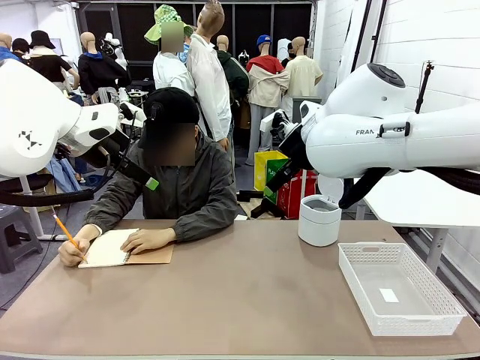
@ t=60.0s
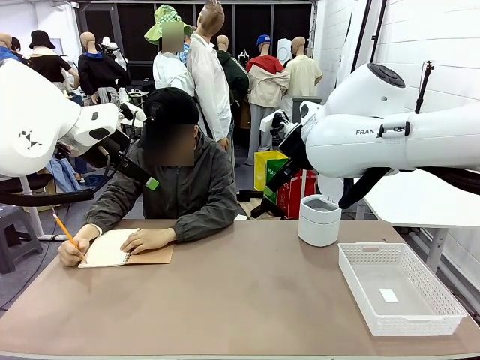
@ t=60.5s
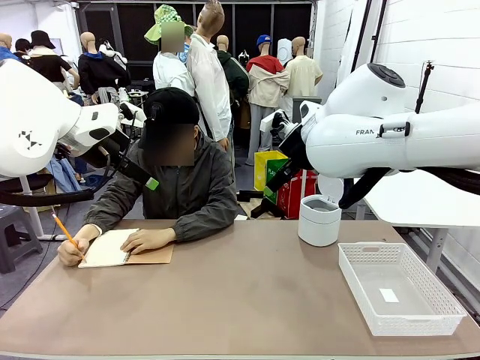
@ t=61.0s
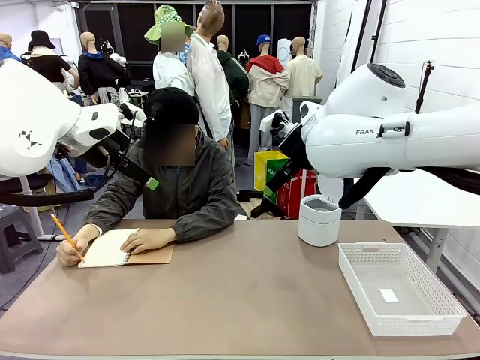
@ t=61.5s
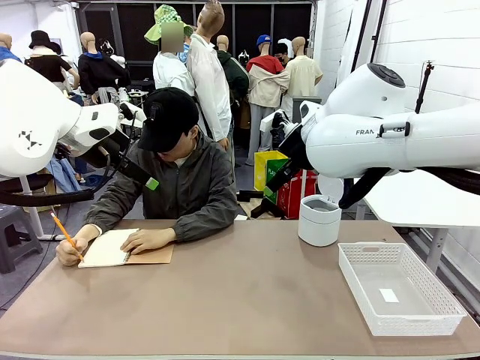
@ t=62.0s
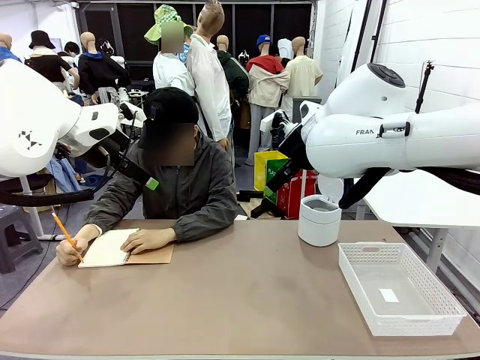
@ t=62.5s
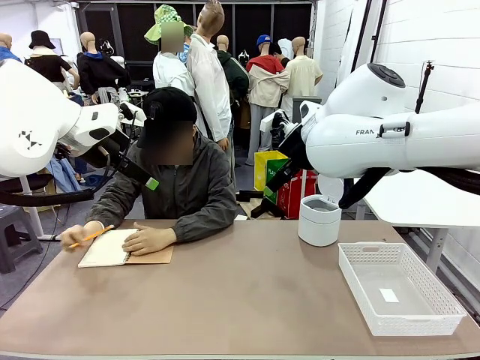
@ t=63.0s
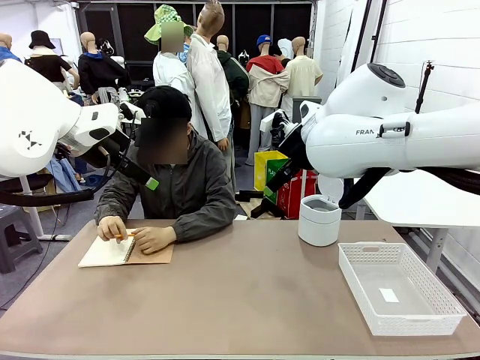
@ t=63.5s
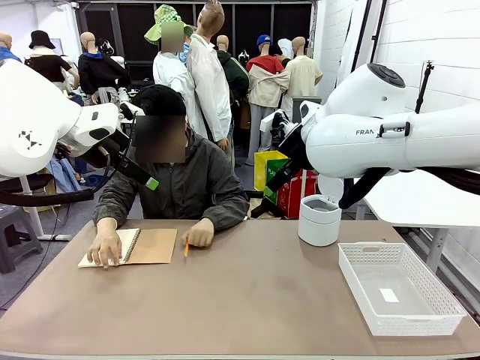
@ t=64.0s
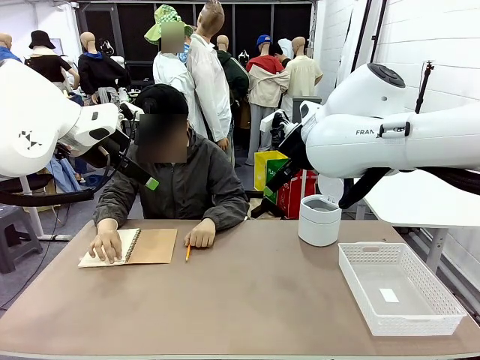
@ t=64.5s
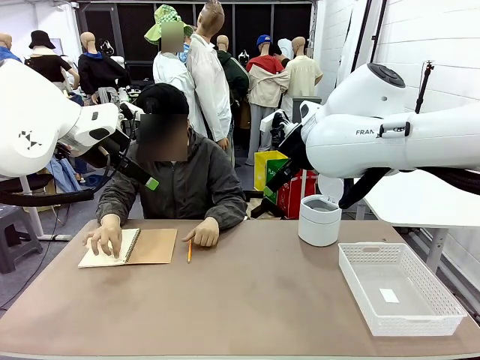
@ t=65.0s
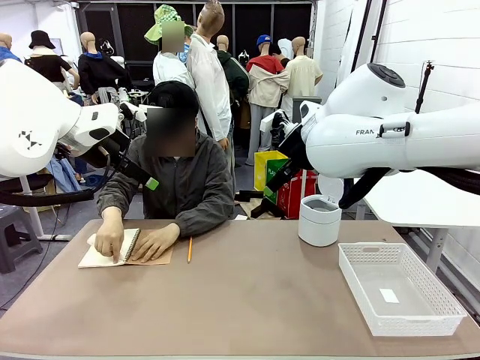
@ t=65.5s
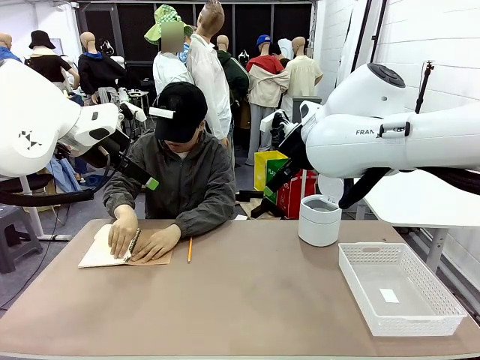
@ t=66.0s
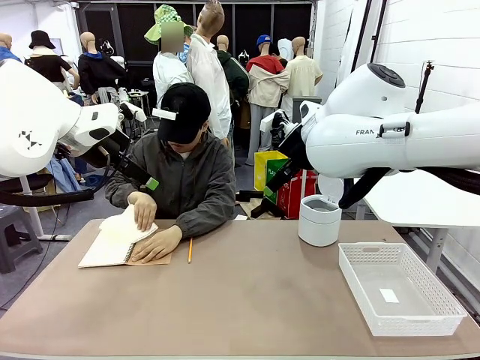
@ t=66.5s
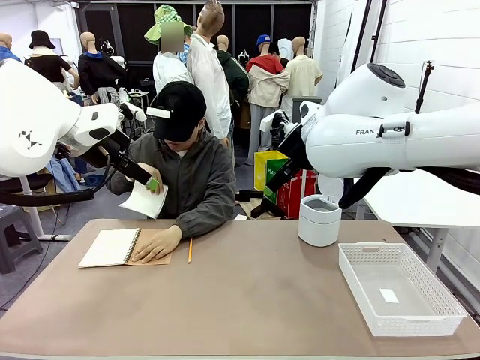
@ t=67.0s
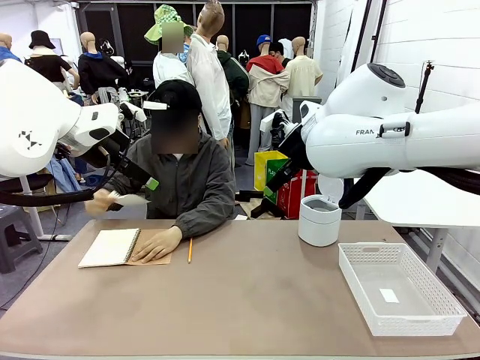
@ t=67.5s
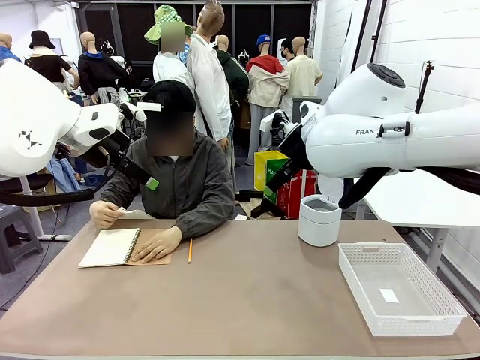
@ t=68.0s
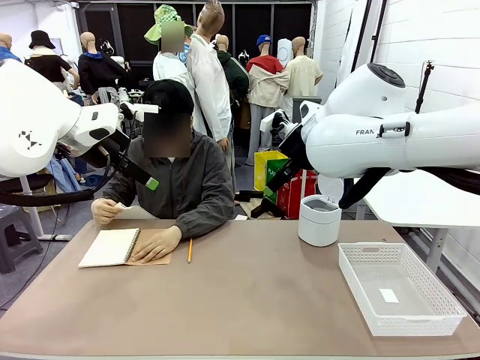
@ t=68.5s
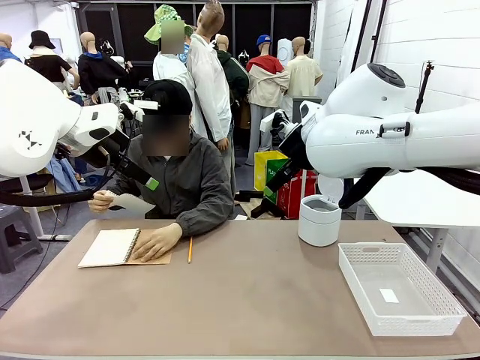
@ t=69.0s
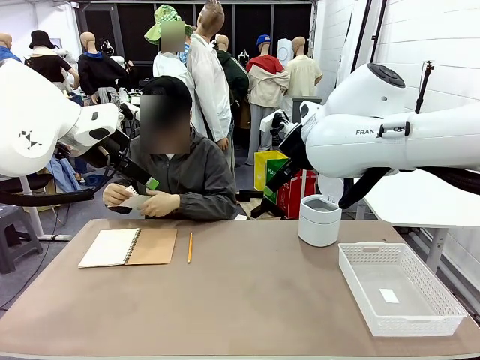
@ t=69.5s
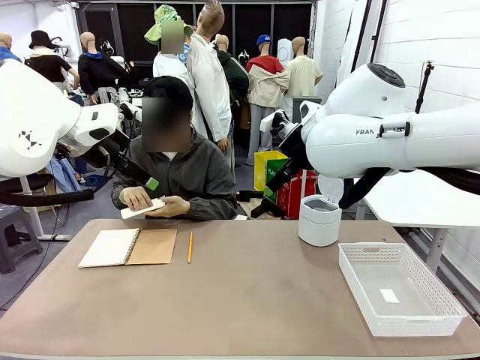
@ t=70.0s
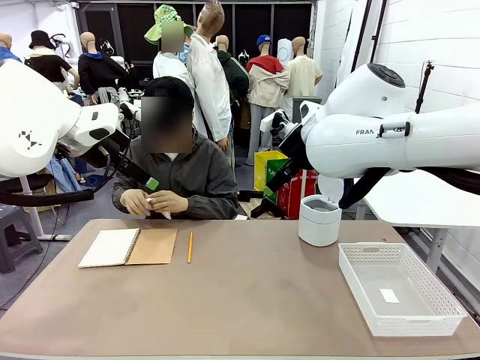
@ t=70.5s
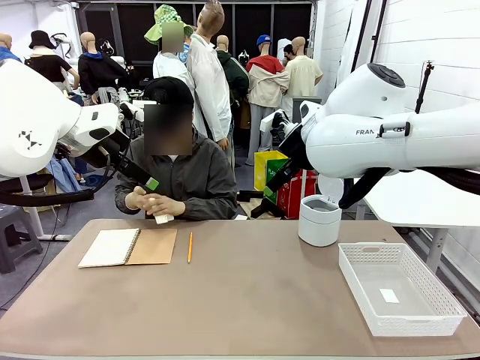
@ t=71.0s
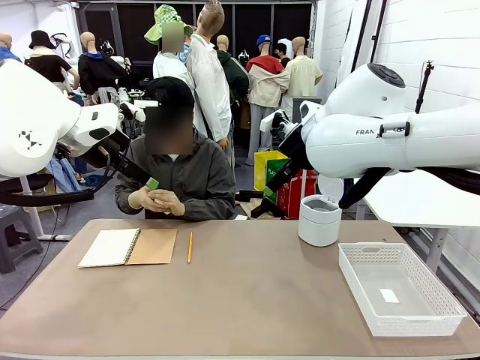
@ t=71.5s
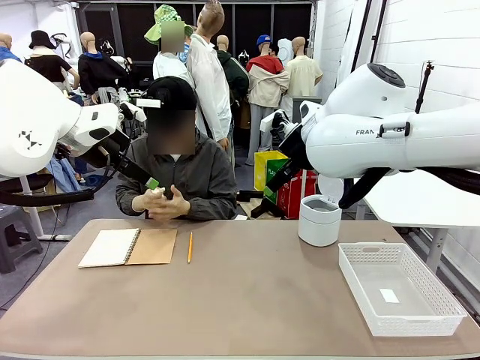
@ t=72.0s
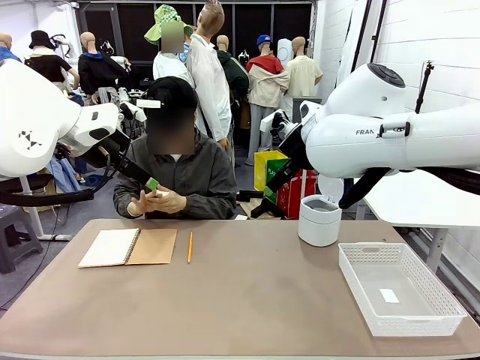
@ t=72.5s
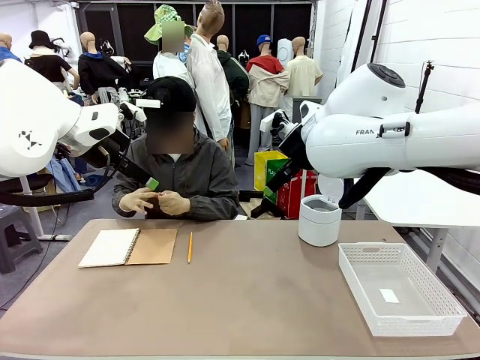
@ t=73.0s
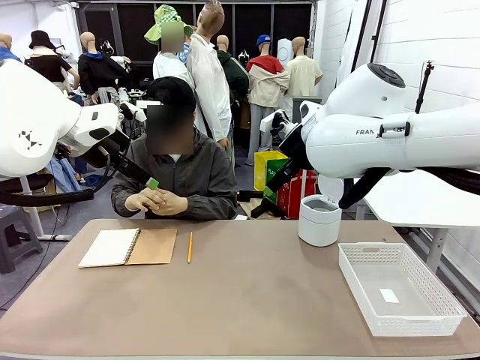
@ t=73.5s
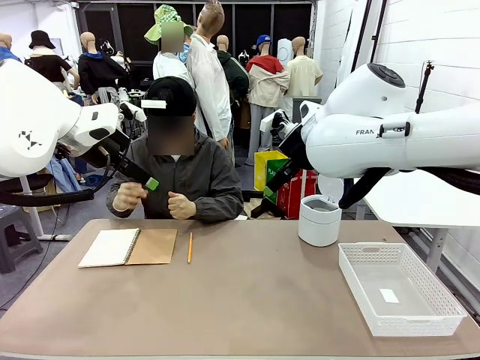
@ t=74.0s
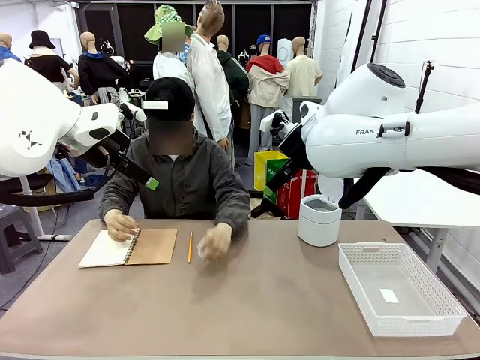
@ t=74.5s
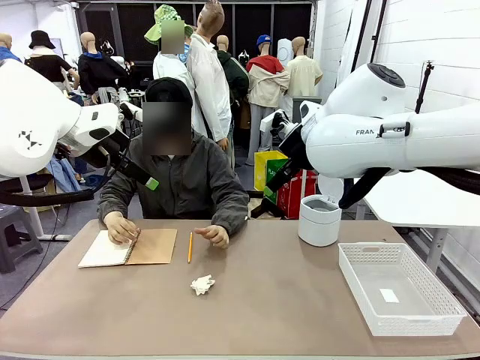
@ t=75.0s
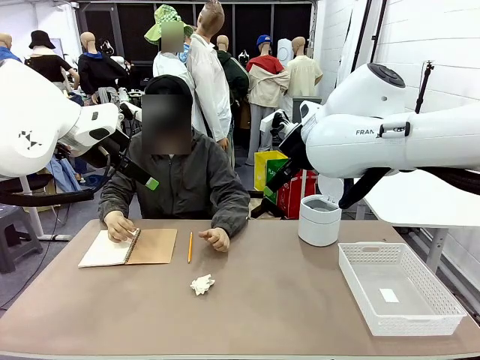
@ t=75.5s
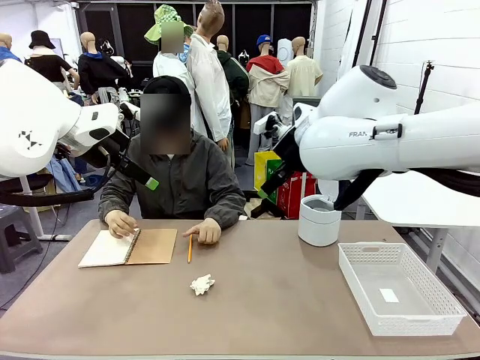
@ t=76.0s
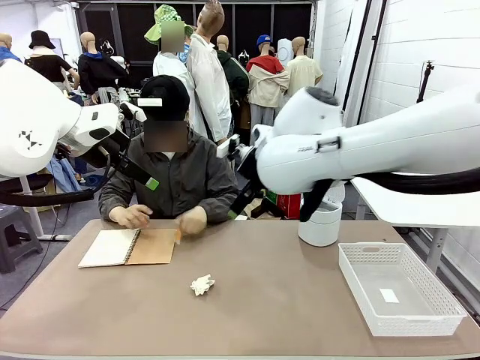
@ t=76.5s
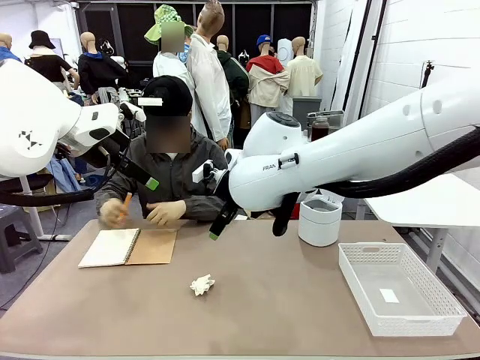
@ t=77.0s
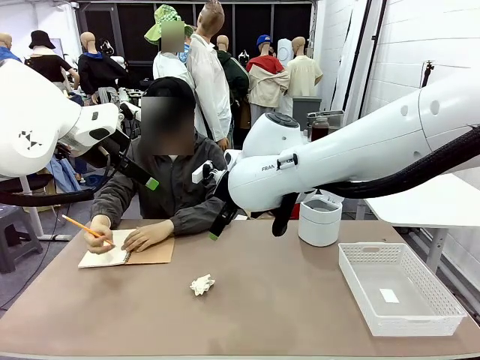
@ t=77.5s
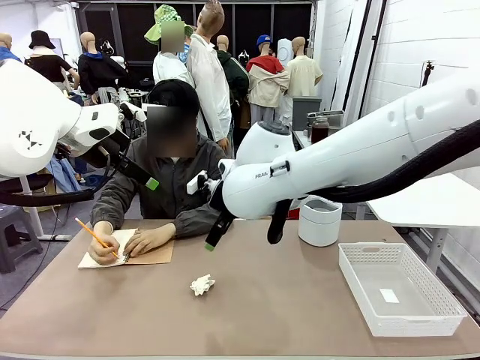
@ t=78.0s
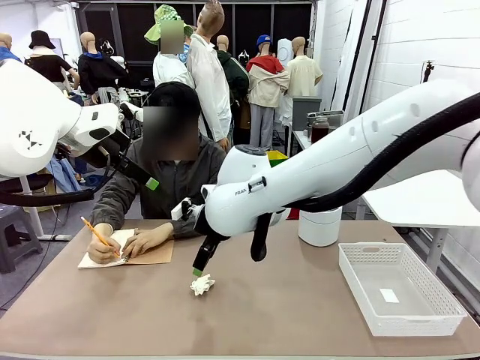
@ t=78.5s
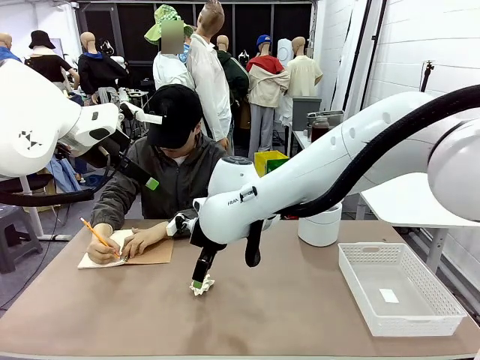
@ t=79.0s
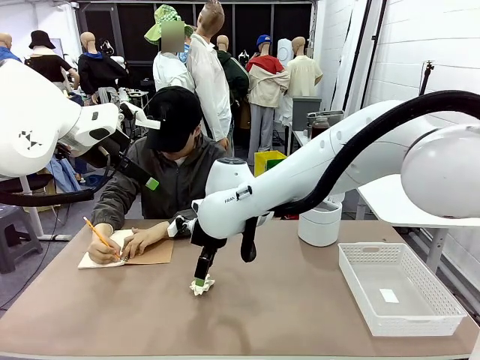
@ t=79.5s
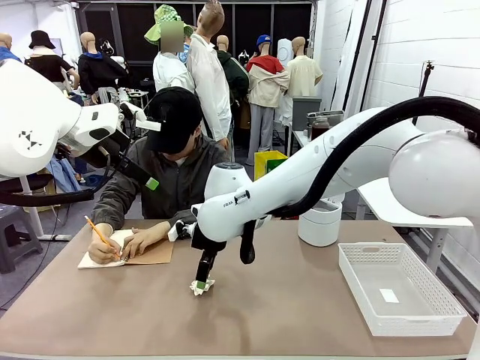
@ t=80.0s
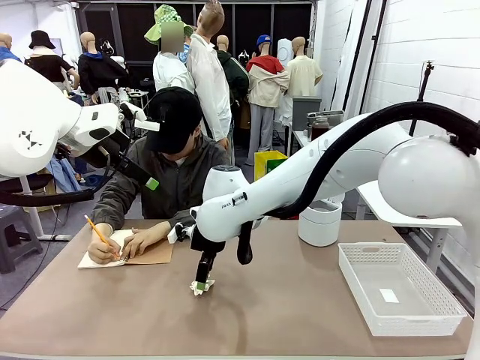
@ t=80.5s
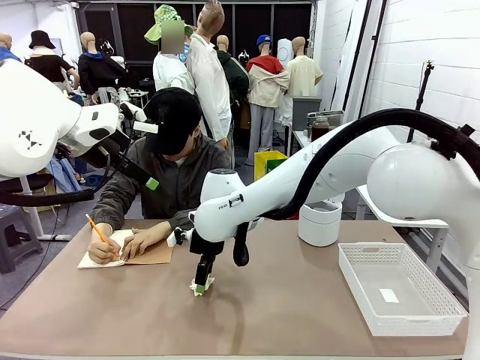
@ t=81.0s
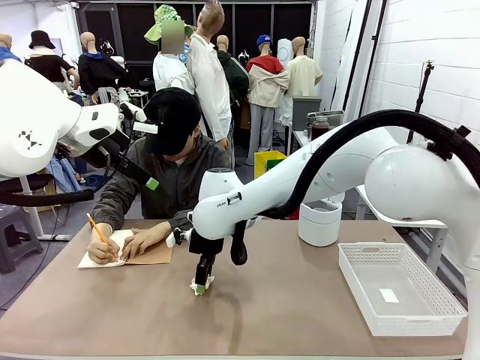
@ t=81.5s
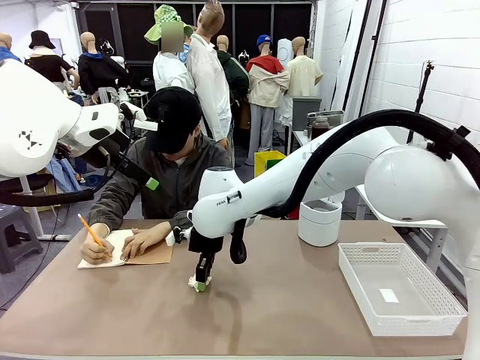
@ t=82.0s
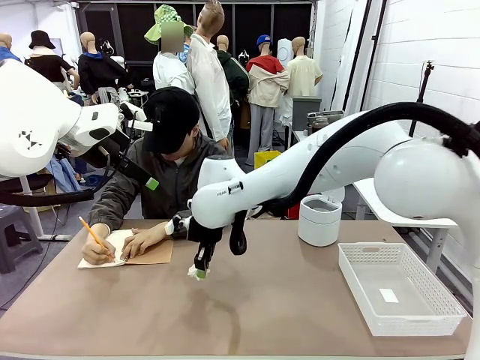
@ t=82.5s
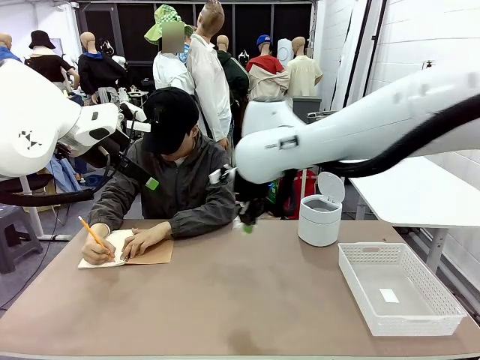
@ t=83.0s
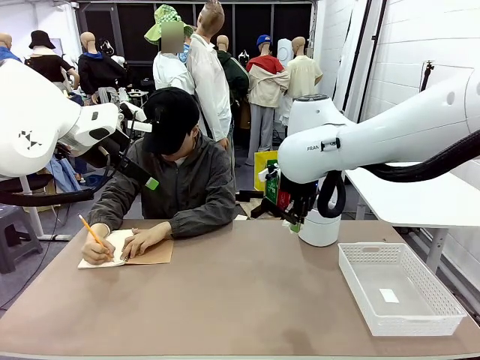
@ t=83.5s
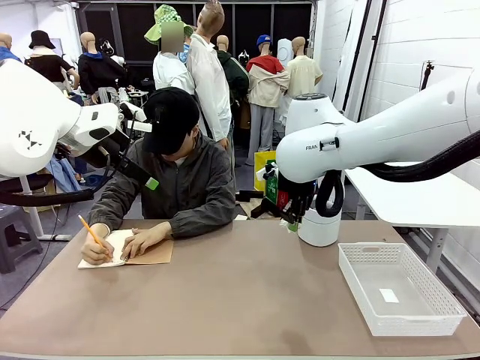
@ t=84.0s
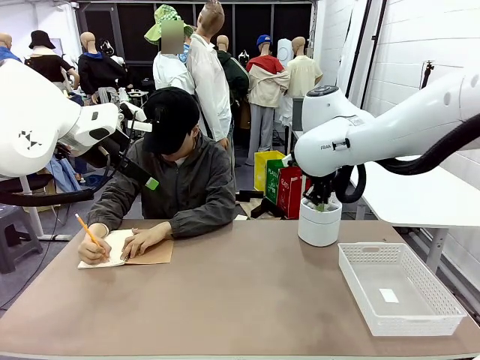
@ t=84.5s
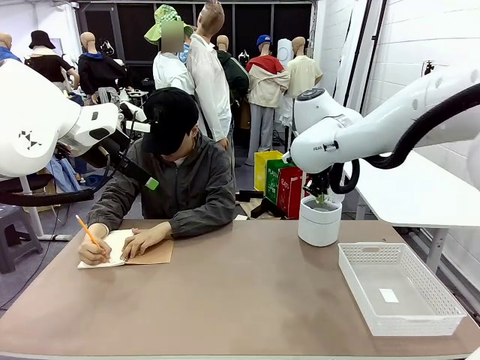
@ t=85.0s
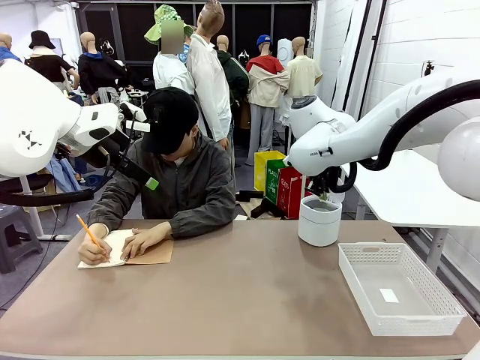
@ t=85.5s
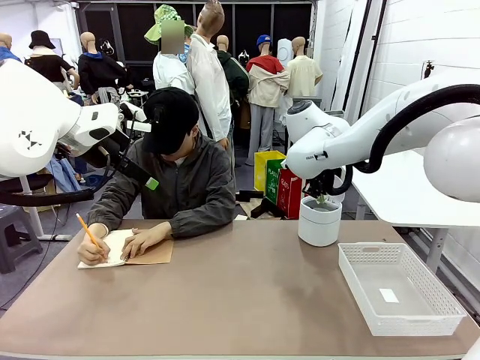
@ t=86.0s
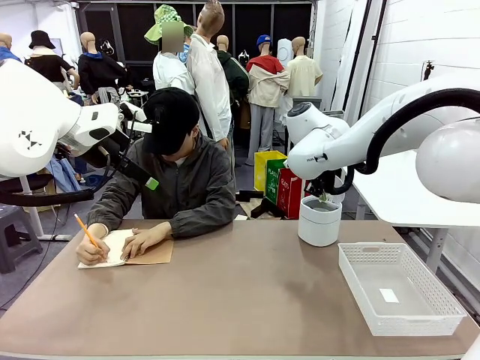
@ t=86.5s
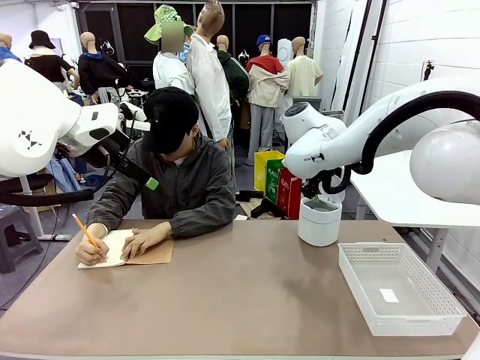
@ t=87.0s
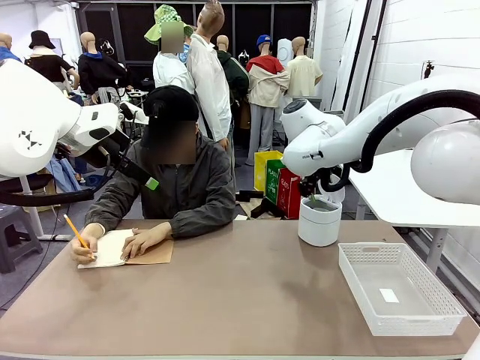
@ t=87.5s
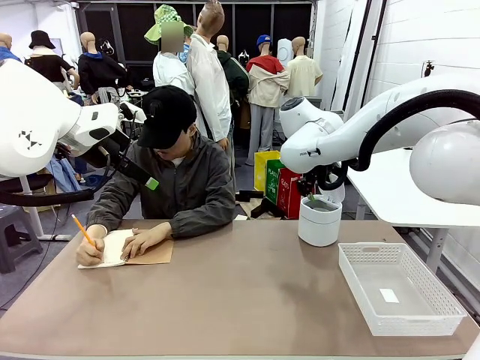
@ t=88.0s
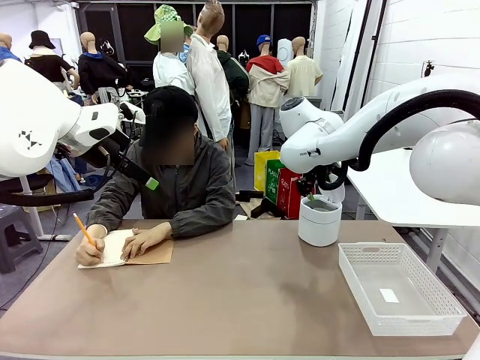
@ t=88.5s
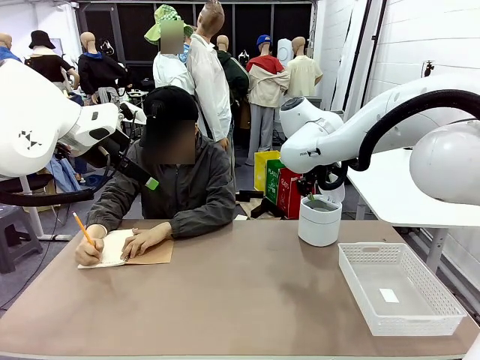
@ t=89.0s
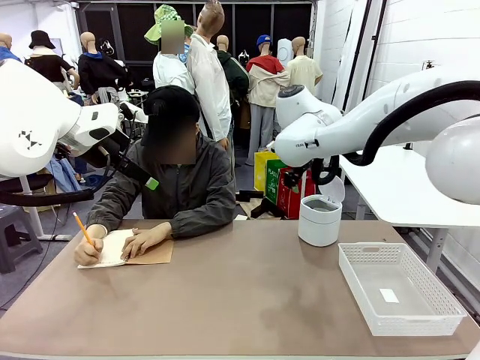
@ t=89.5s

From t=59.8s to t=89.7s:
Task: Sort the paper based on its condition.
Robot: If a person hands you a paper, place it in the Organizing basket , and if it's crumpled, put it in the Trash can.
Person: Hand the torn page to the robot or crumple it and throw it to the center of the table.
